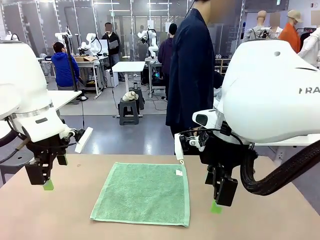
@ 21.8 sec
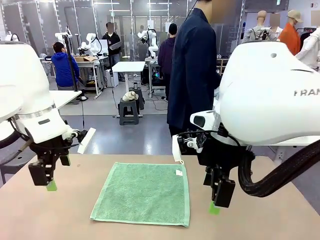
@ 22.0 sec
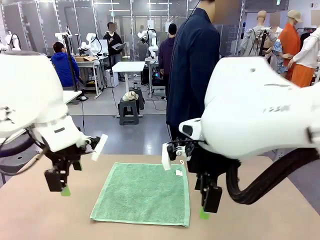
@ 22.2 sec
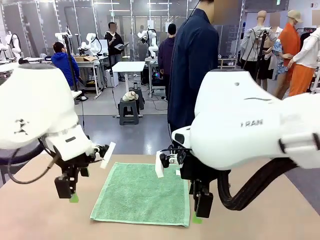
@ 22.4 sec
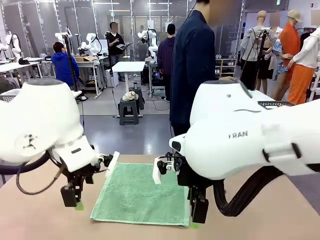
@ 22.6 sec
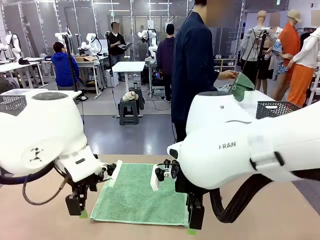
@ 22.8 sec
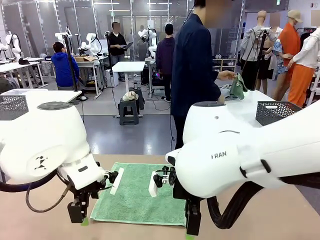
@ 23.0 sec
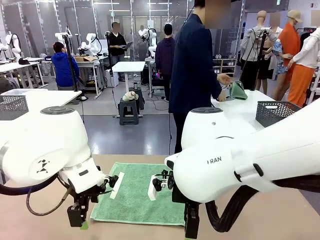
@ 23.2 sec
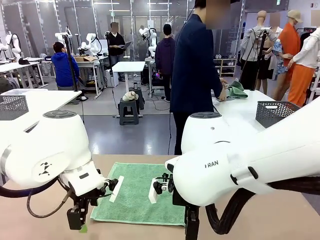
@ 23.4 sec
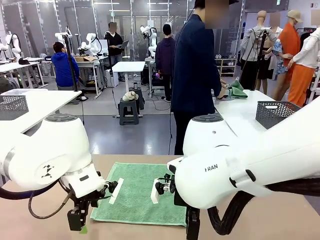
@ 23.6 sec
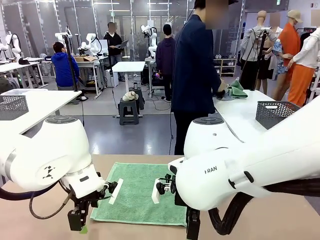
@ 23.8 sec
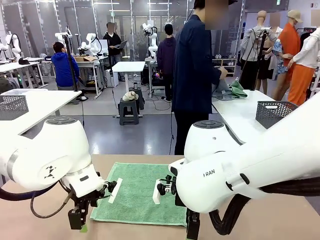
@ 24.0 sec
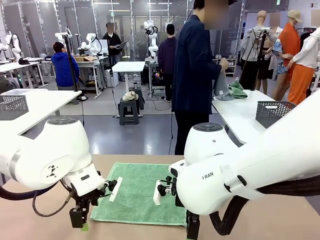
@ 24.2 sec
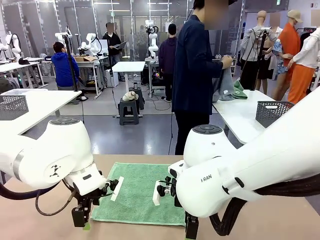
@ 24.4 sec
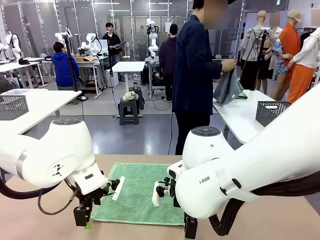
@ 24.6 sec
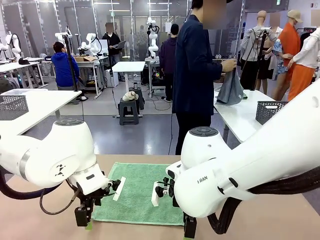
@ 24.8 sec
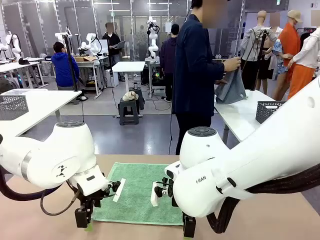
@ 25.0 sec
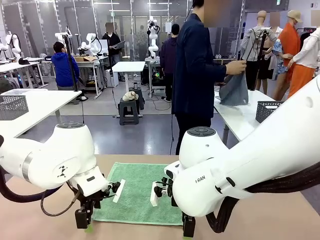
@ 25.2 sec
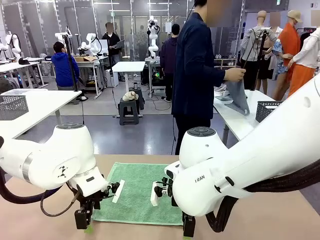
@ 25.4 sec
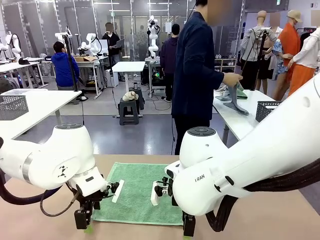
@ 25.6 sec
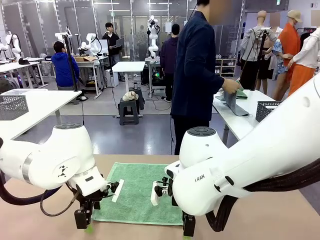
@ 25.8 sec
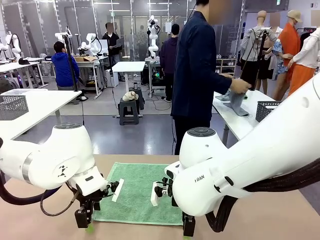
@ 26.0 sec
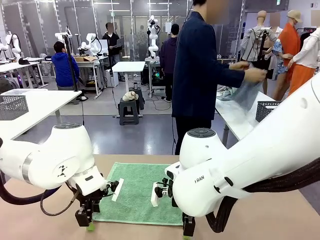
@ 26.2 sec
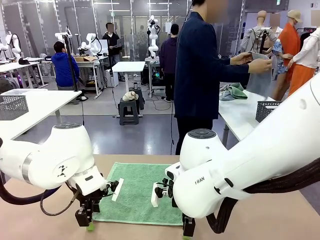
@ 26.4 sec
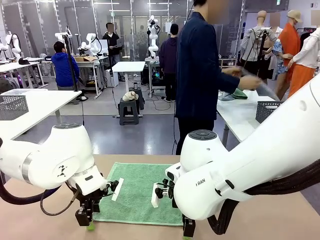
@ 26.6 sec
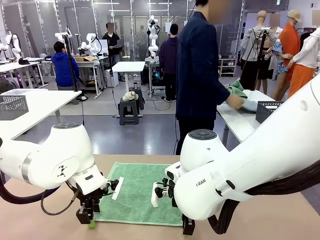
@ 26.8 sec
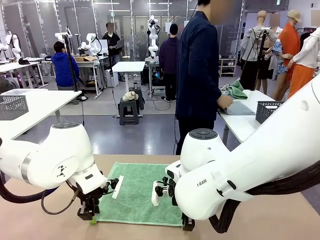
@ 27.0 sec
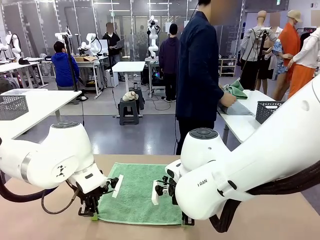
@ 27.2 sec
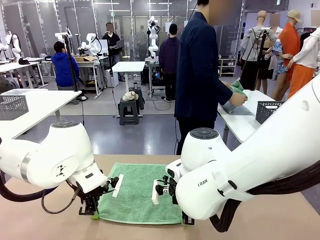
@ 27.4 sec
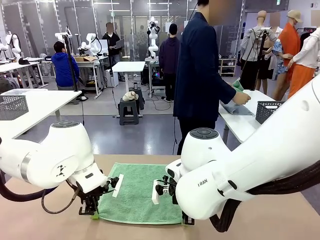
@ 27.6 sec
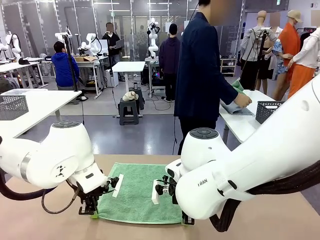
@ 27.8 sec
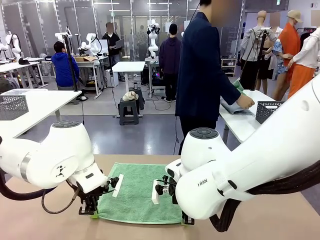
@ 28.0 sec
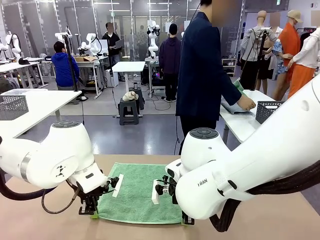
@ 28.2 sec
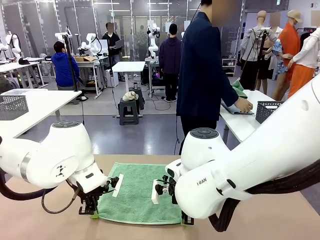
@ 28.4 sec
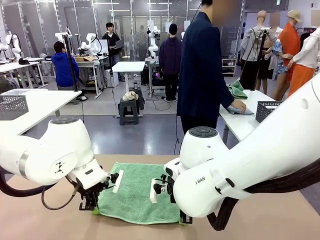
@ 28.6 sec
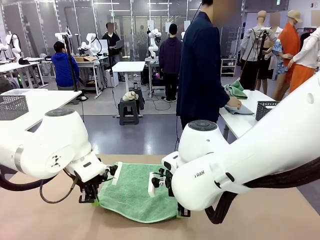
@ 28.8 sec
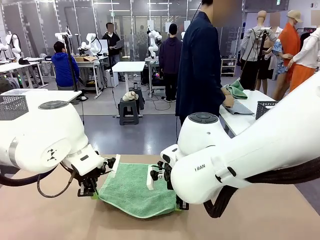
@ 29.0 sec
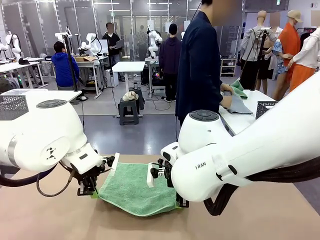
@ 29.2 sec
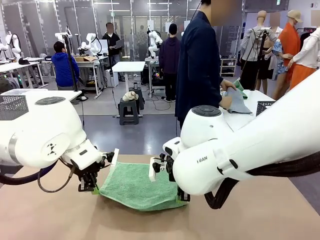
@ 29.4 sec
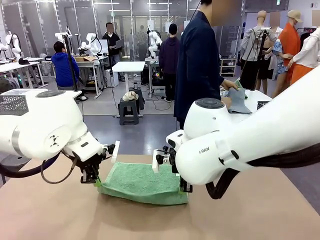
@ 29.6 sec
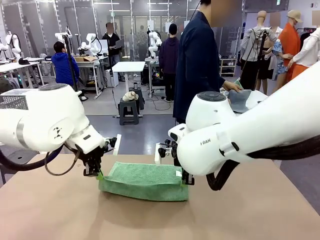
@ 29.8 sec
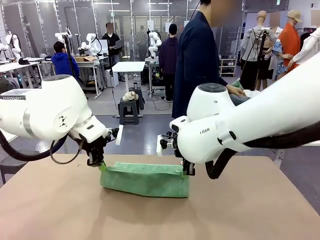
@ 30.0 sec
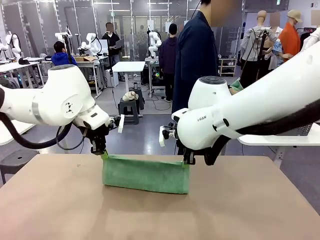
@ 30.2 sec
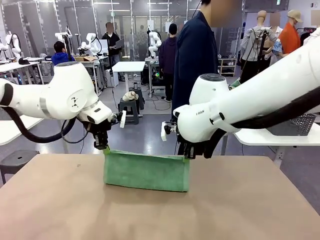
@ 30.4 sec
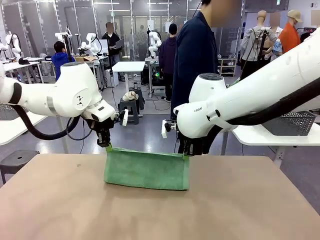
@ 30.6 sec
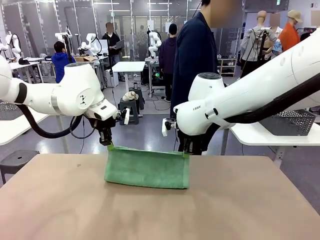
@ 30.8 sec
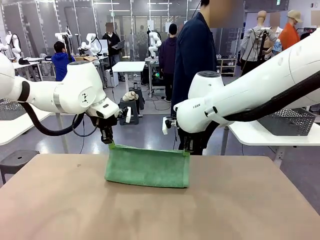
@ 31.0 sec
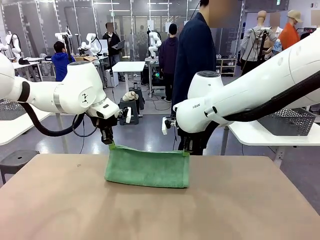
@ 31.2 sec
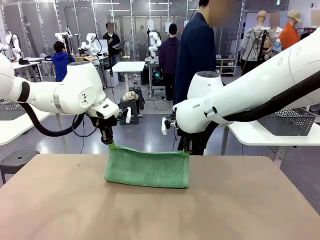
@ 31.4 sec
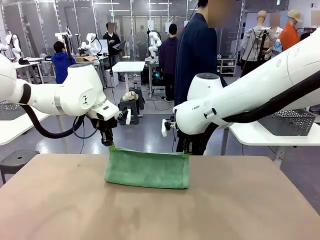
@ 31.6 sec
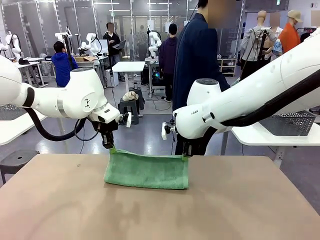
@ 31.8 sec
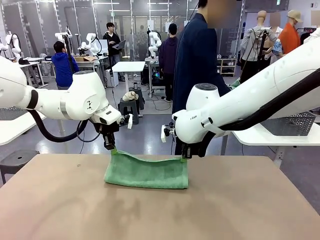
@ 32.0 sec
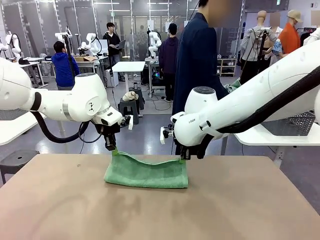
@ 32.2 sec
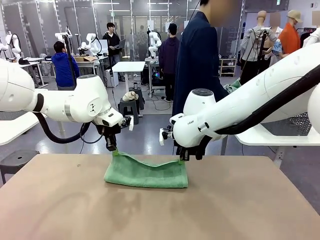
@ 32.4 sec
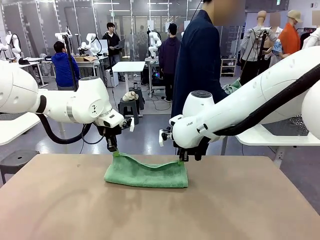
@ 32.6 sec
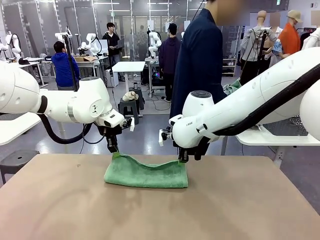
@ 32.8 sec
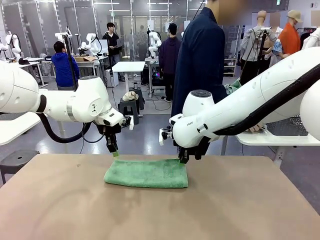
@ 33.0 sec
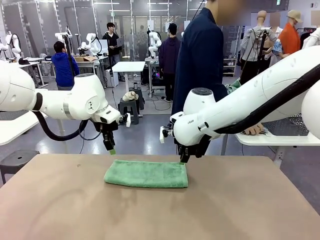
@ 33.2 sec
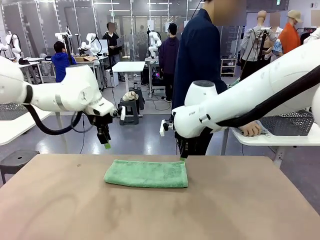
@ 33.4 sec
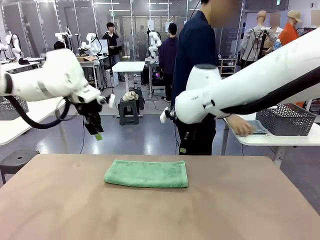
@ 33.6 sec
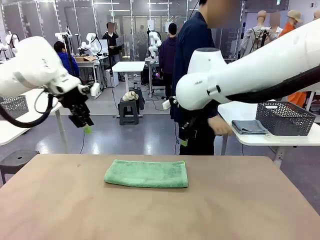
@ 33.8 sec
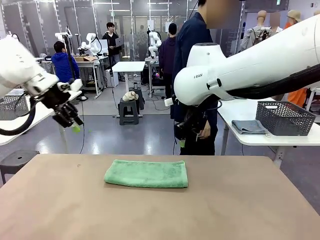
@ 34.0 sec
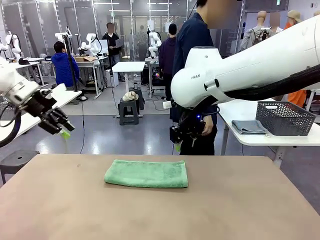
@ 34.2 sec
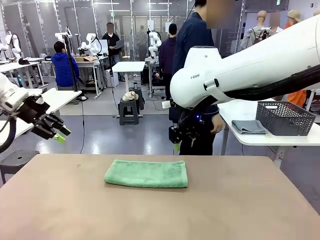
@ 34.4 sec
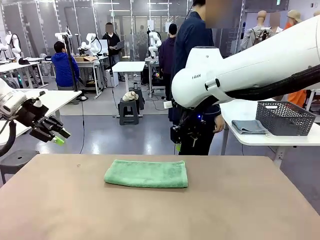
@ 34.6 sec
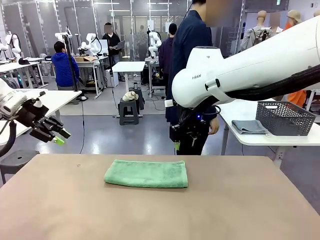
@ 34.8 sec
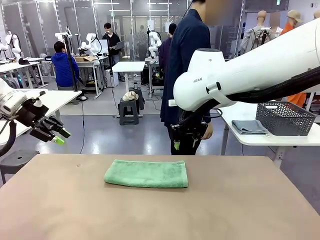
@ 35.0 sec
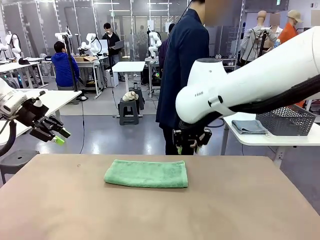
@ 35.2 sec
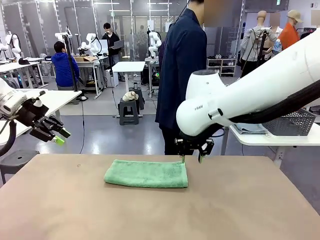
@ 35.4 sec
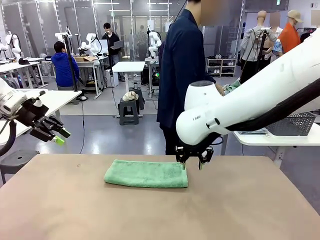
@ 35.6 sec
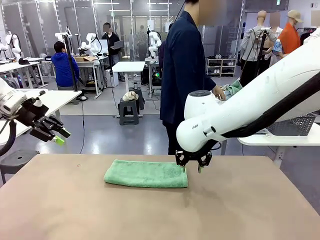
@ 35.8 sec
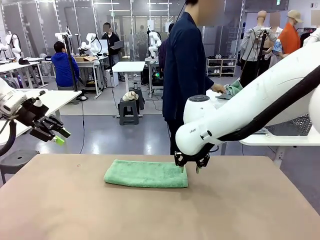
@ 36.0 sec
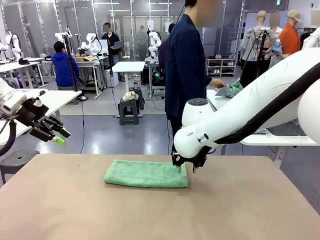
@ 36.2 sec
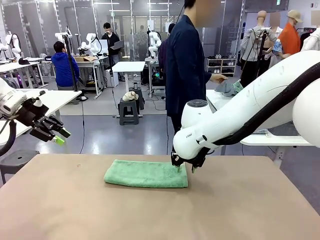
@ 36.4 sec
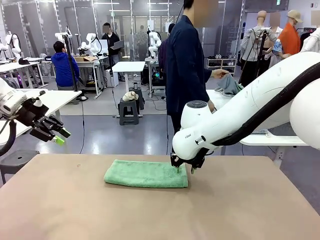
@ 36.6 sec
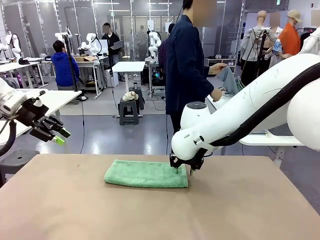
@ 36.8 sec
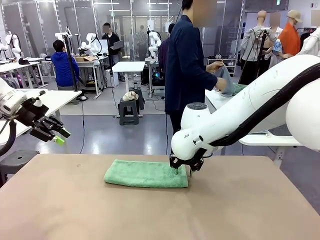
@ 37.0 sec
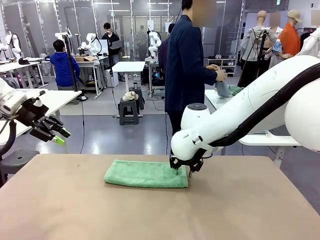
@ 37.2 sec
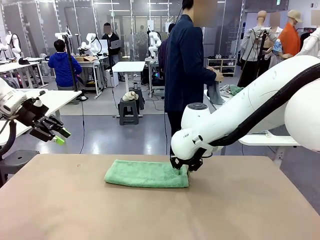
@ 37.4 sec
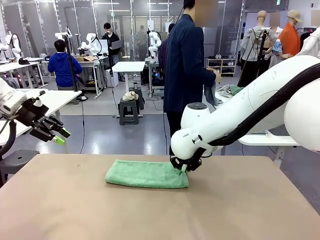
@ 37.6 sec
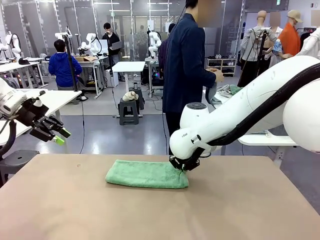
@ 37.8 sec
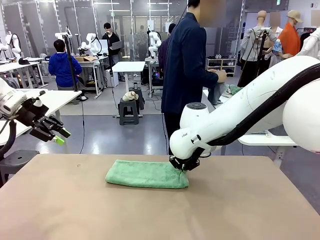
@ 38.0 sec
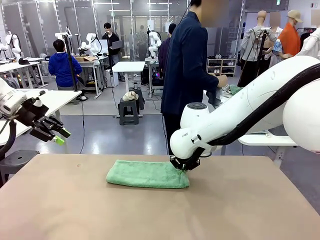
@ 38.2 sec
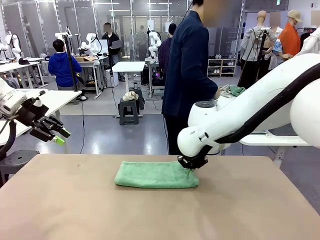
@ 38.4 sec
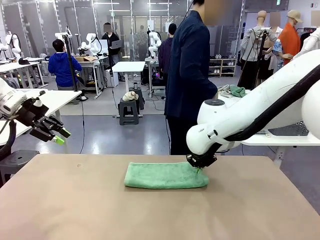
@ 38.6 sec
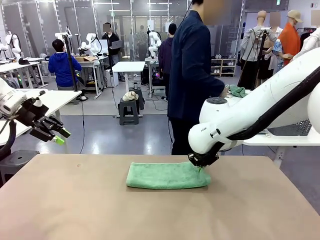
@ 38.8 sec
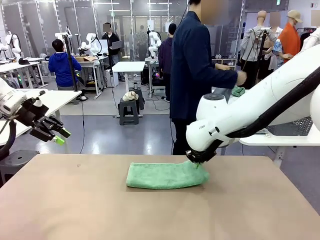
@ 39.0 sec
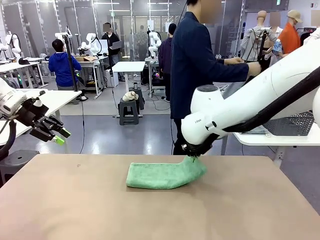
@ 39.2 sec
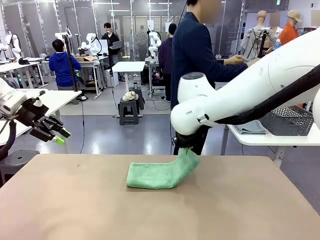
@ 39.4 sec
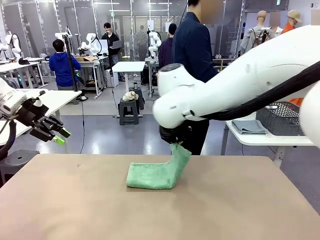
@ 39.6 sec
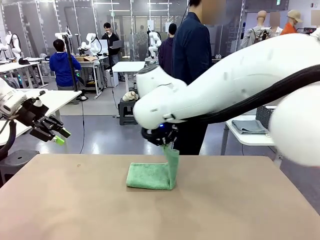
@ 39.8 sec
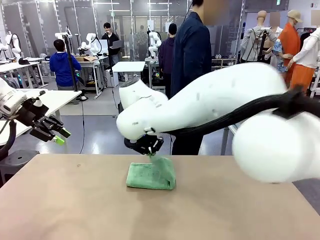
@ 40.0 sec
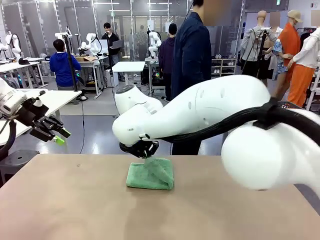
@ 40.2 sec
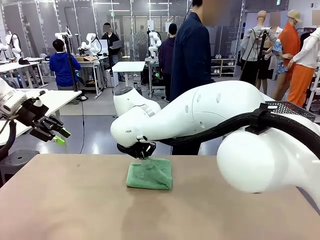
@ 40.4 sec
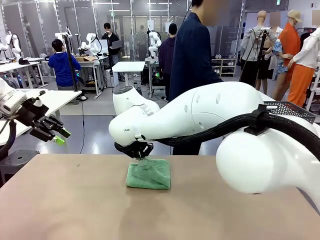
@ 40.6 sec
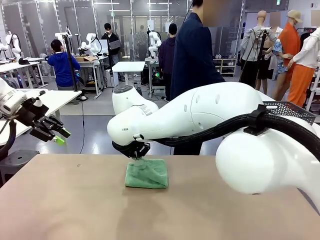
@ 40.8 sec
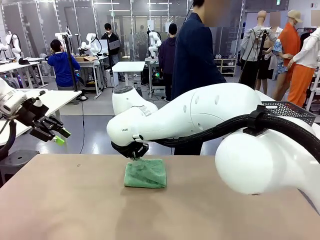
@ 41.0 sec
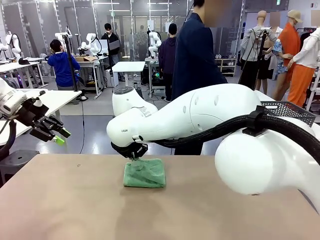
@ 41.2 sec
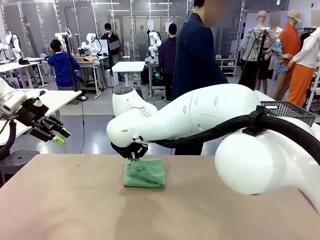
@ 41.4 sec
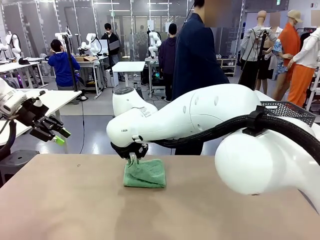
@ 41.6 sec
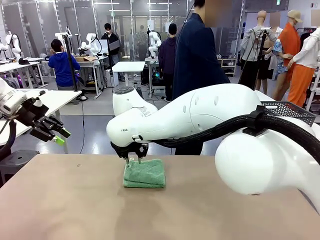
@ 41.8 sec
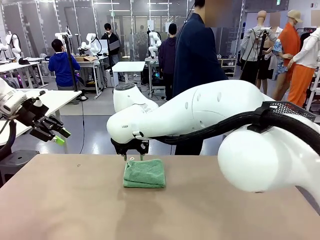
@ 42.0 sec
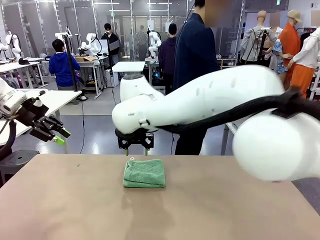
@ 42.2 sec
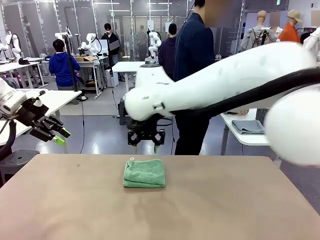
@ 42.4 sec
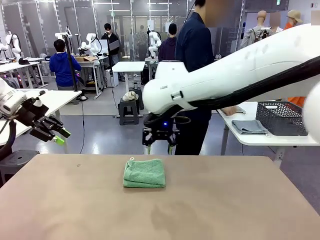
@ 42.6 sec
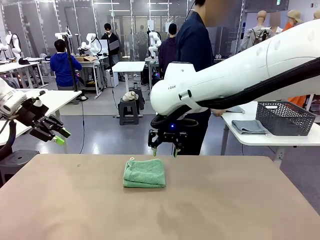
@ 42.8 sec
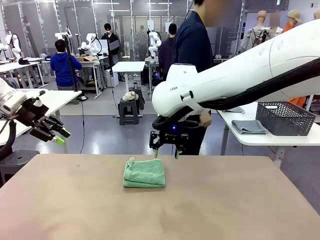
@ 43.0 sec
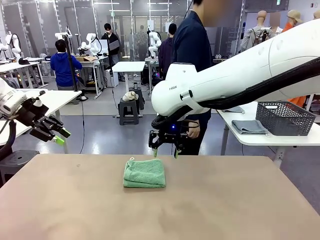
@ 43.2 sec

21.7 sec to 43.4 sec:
Task: Fold the towels and place them in the basket.
Robot: When a person lays out a Towel with hook on the table, fold it in half twice.
Person: Pick up one towel from the left side of the human table, fold it in half twice, and place it on the right side of the table. Pick up one towel from the left side of the human table, fold it in half twice, and stack it on the right side of the table.
